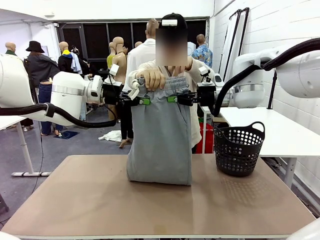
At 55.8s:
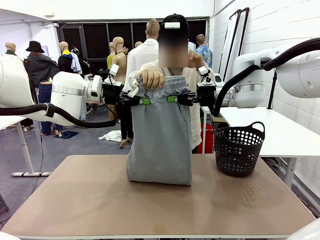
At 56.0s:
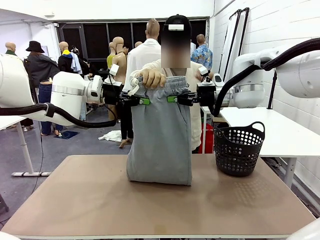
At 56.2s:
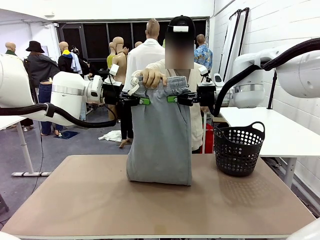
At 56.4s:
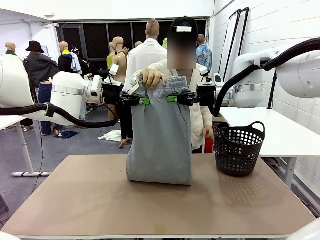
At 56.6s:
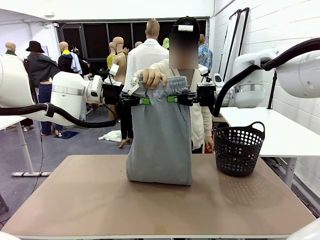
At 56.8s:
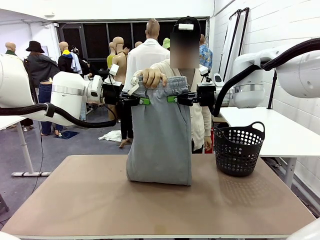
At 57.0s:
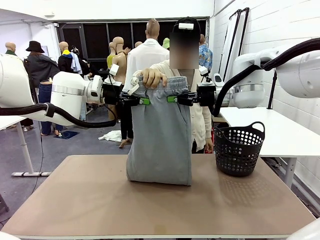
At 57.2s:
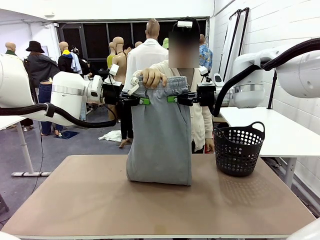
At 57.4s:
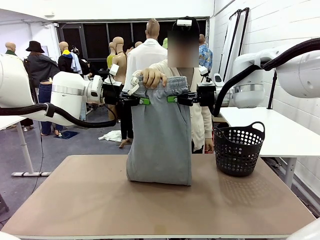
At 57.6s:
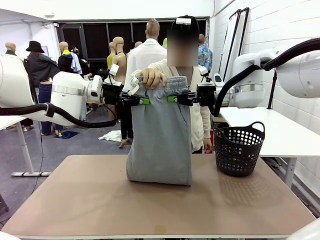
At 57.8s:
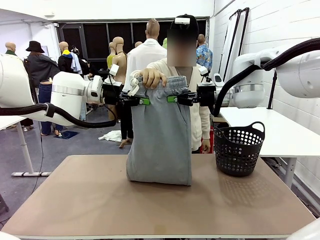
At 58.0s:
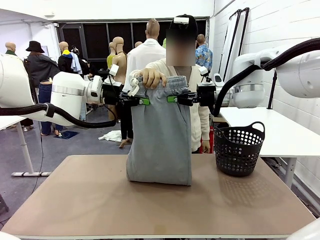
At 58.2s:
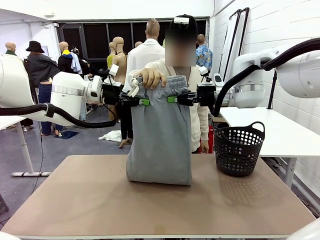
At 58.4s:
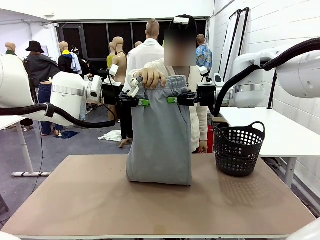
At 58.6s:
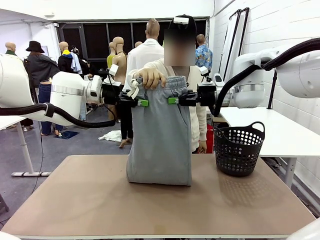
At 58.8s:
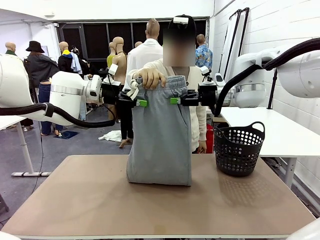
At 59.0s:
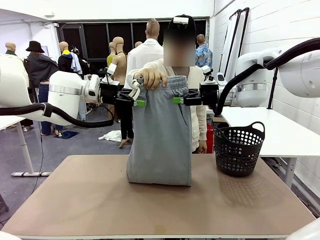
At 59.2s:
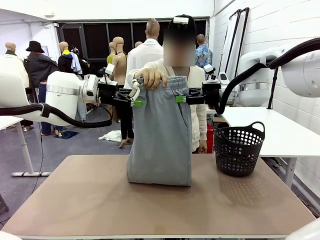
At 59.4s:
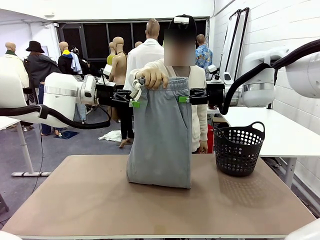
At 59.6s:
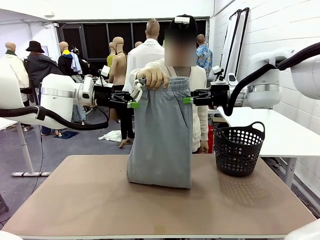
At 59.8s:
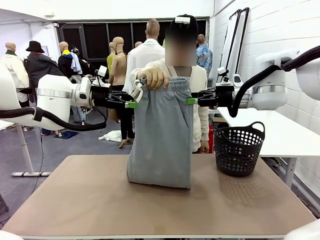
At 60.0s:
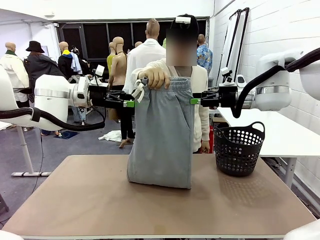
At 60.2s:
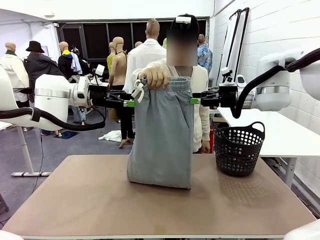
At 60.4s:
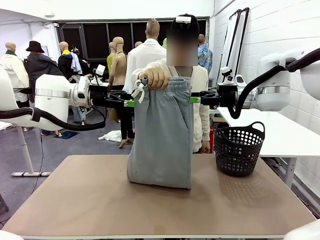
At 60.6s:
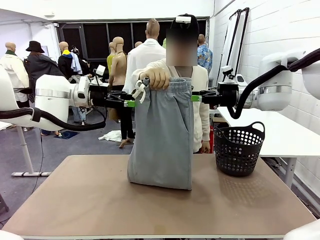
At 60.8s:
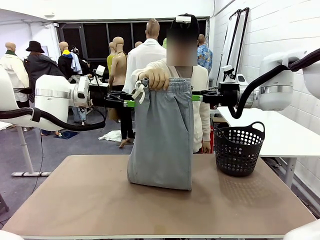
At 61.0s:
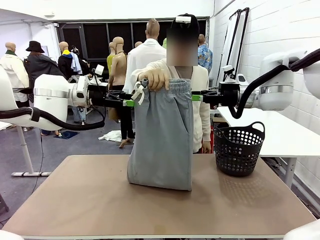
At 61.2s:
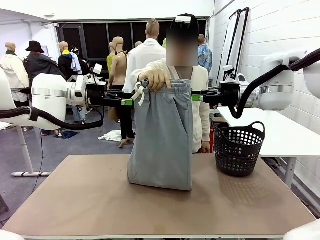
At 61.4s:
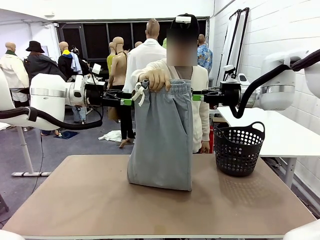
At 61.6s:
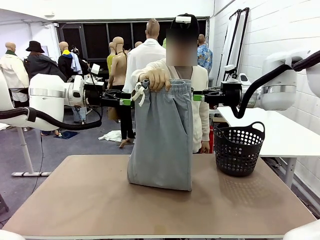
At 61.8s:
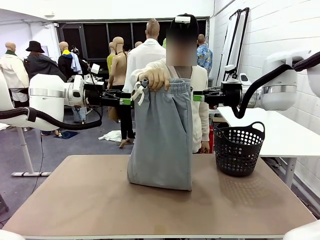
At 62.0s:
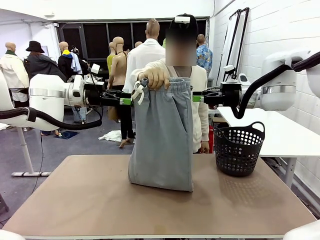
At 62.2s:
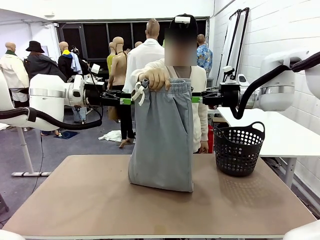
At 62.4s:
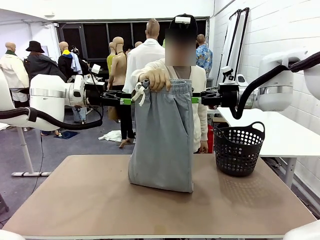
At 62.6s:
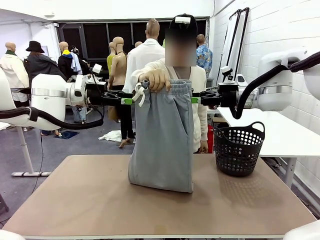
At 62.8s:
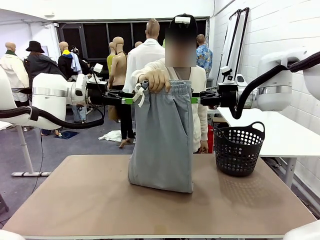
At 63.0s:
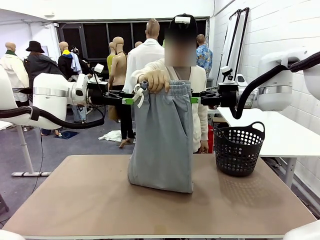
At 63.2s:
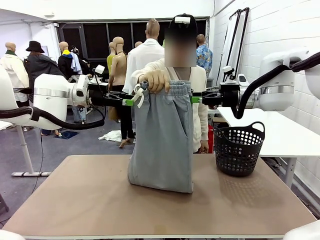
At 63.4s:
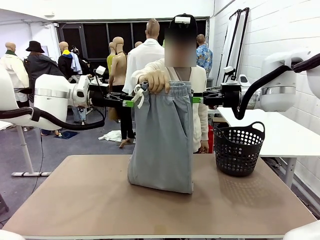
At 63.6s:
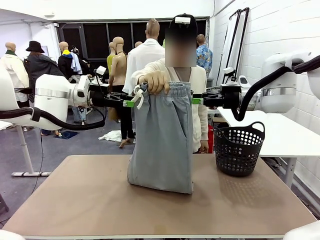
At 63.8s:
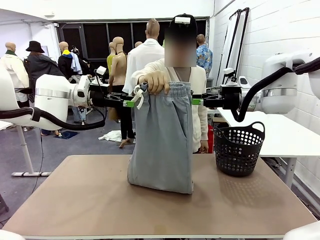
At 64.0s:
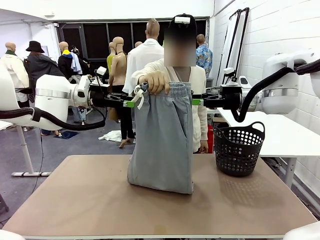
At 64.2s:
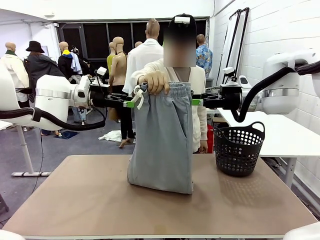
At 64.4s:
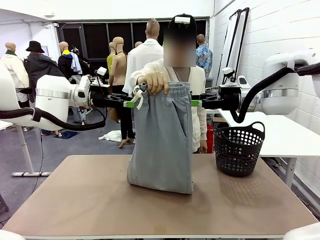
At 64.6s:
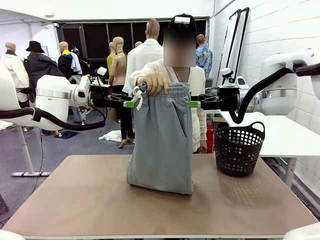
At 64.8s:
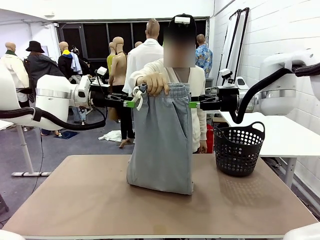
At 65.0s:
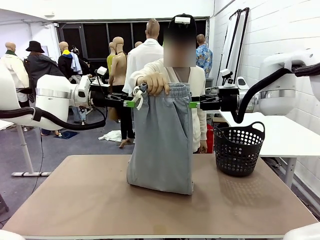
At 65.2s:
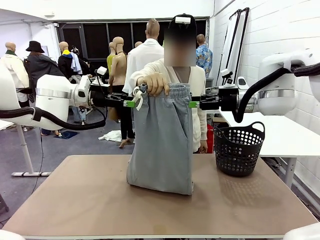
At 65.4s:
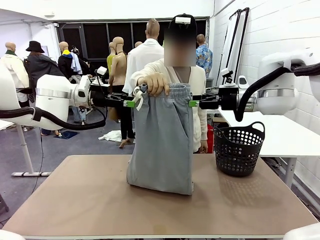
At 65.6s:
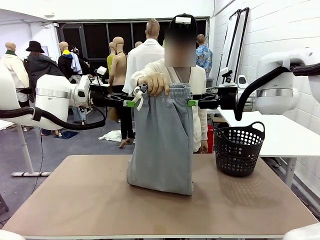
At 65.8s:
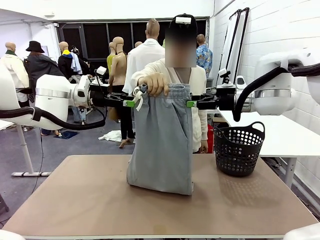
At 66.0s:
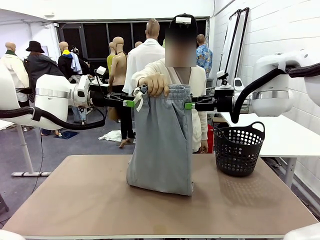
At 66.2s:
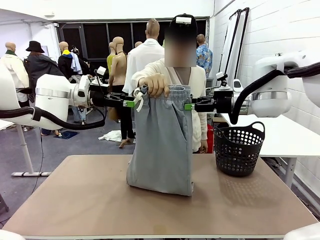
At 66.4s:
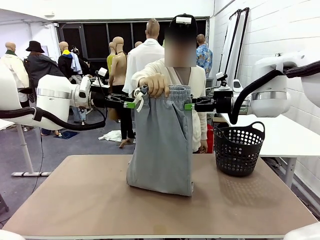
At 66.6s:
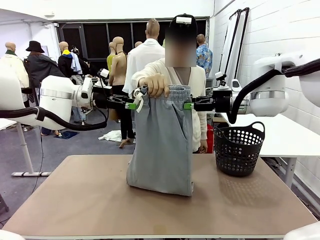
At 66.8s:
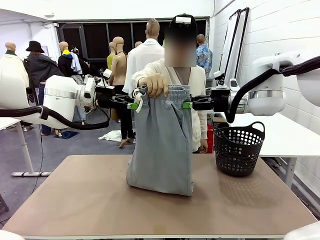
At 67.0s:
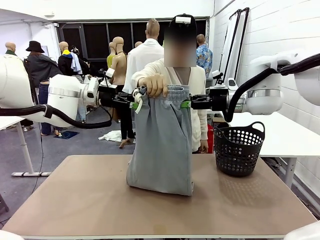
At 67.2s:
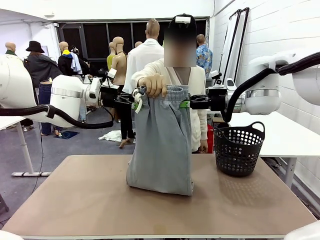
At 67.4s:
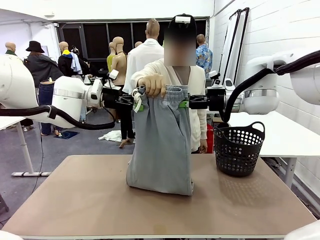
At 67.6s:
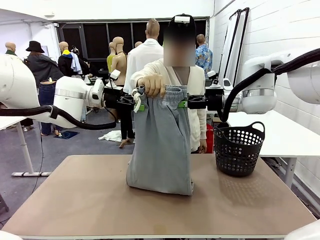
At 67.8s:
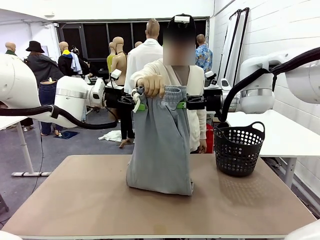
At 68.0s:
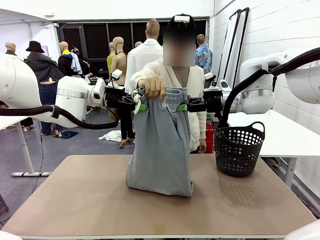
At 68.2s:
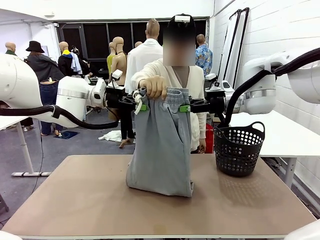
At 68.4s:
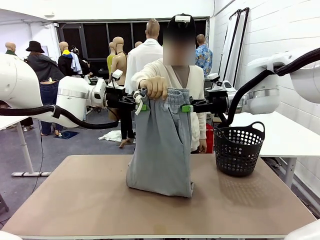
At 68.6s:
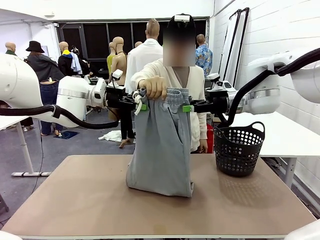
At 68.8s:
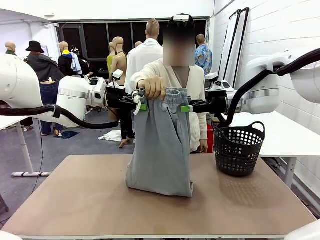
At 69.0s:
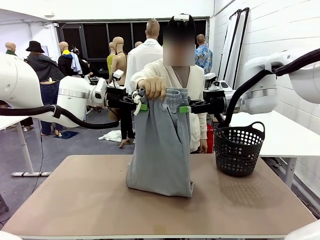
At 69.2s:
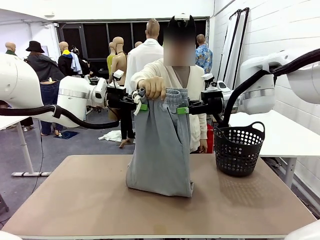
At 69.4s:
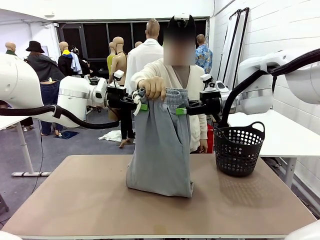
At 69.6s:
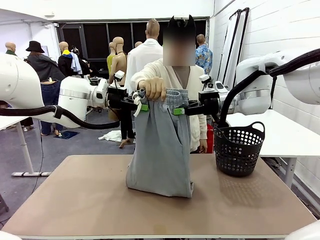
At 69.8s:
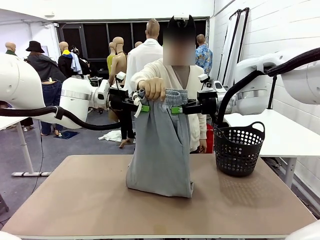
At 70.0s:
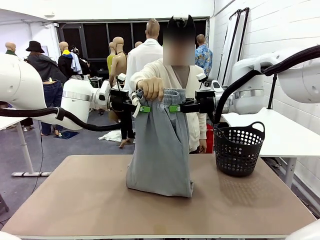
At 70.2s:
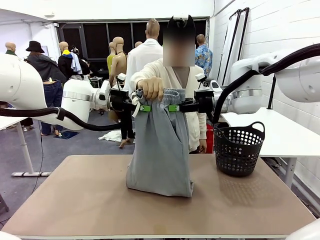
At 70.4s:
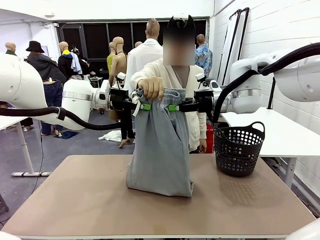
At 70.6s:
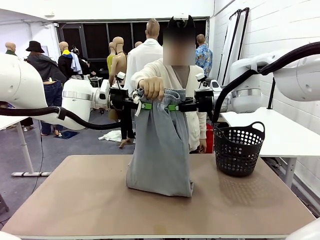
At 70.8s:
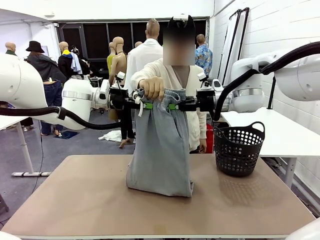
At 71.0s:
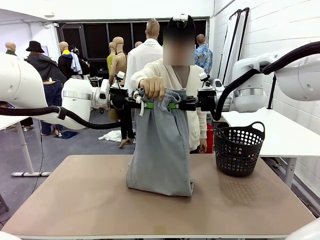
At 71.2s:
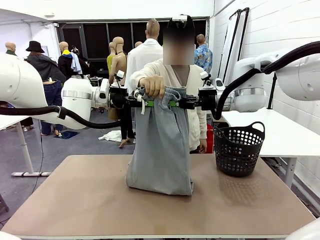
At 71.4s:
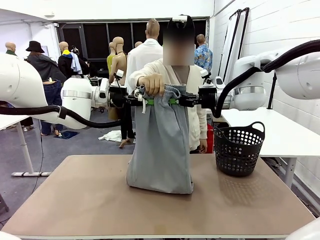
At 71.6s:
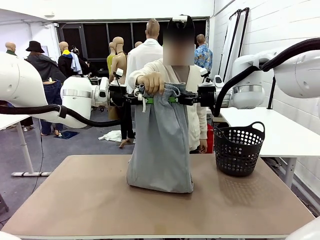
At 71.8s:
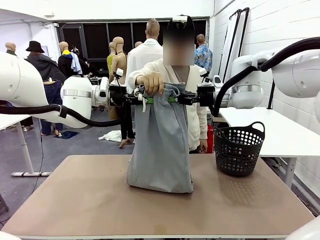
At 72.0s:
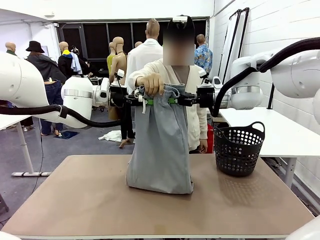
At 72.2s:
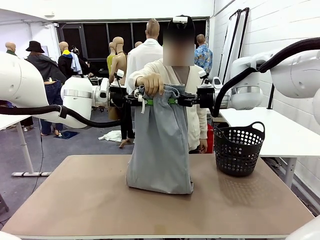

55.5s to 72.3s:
Task: Fold the training pants.
Robot: Release the ends of the Training pants and then grab the overlapped ends.
Person: Release the pants you were holding.
